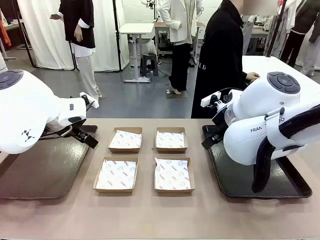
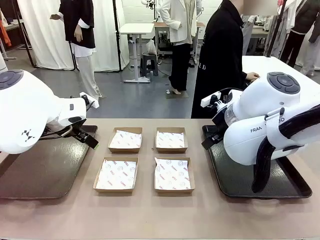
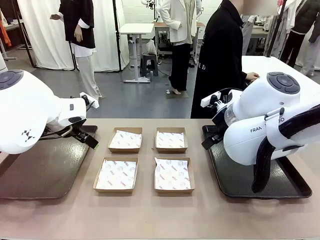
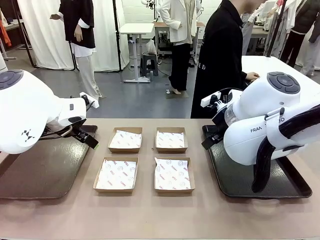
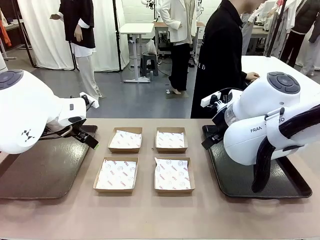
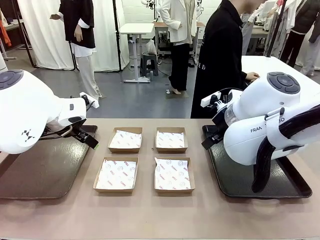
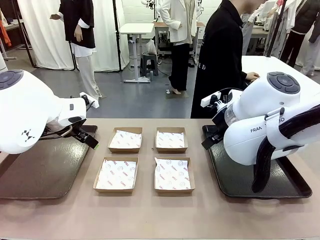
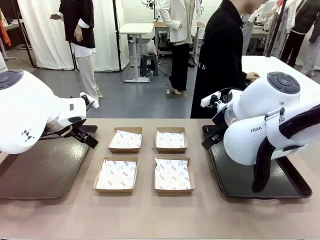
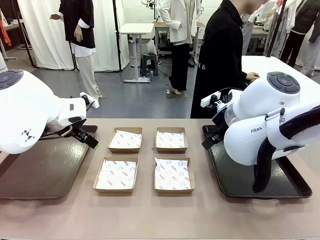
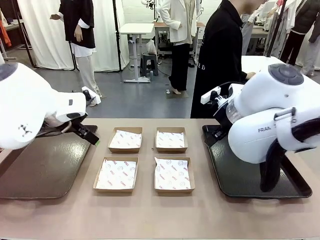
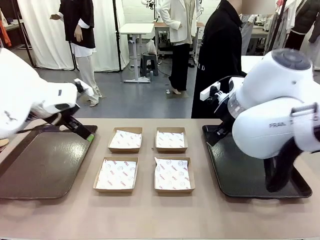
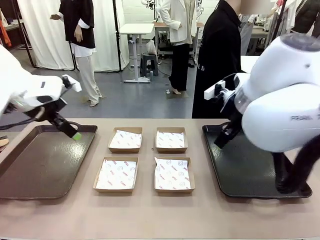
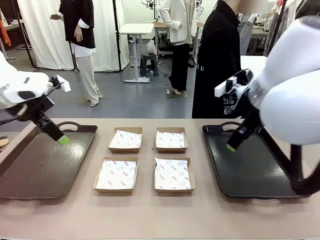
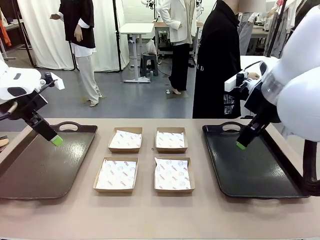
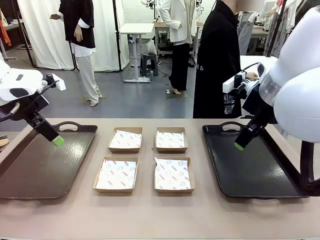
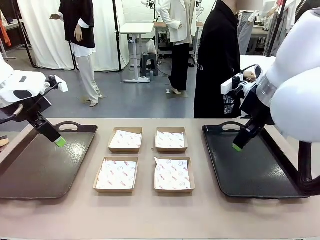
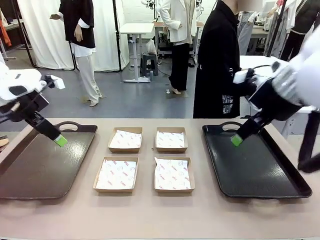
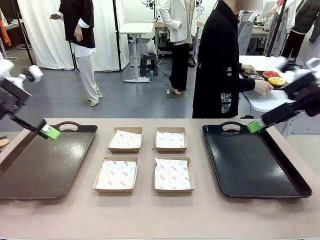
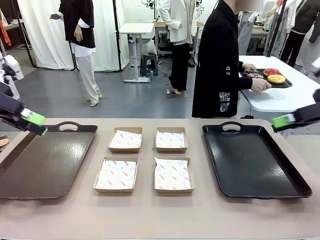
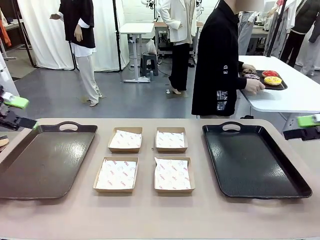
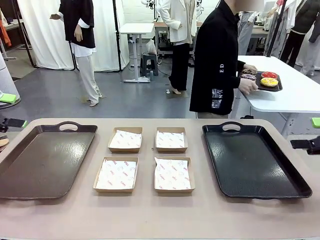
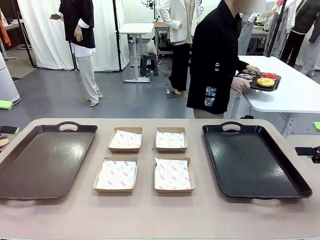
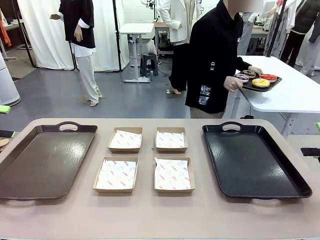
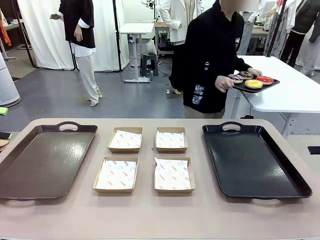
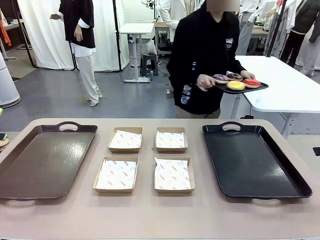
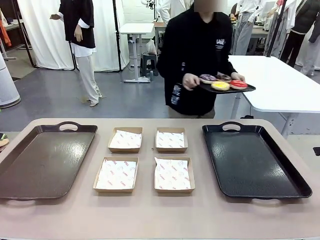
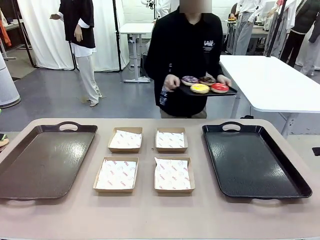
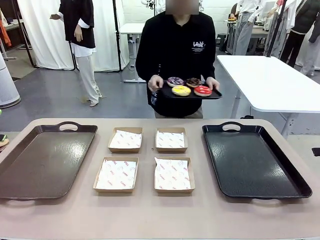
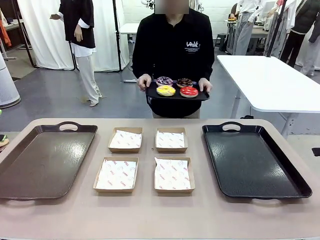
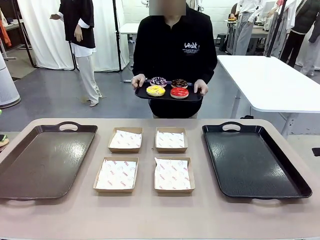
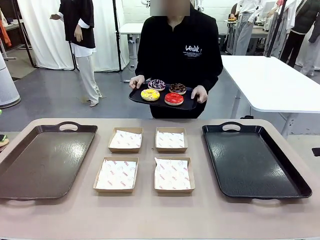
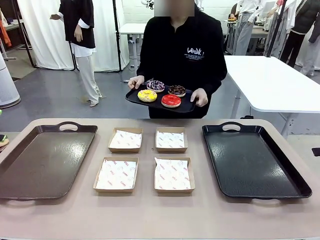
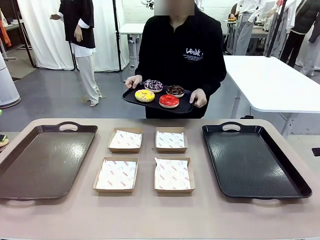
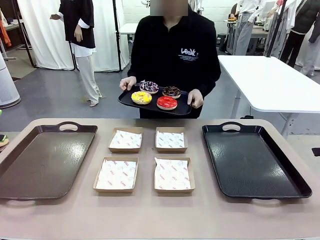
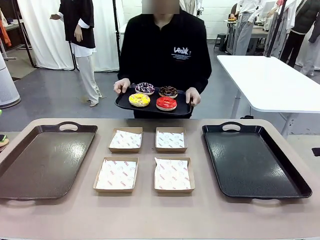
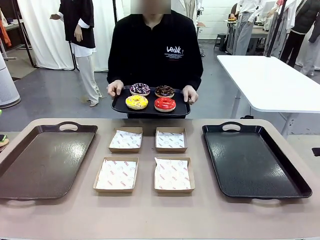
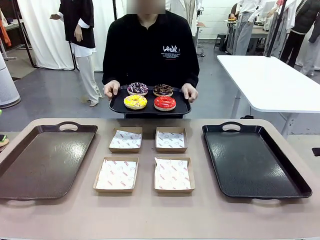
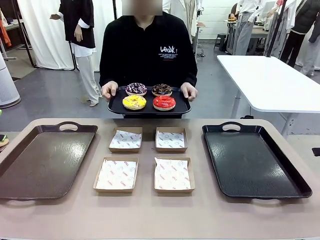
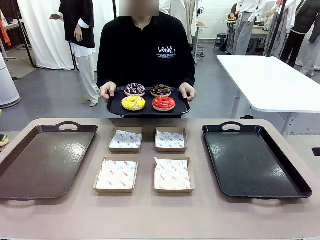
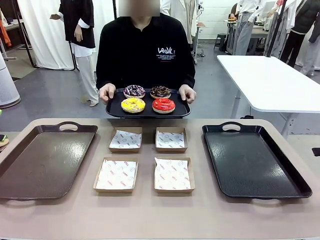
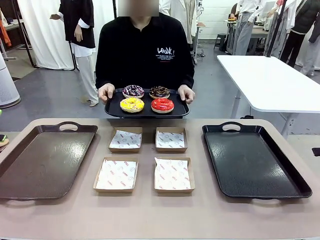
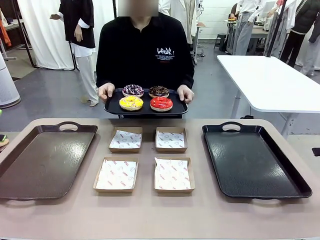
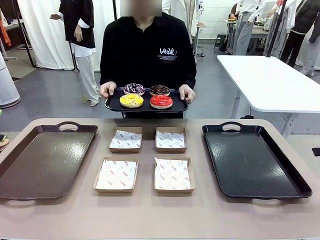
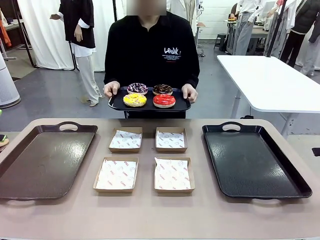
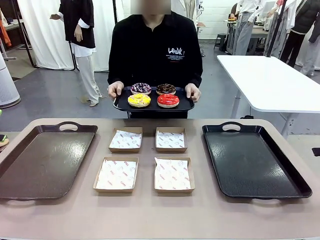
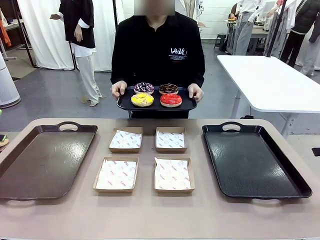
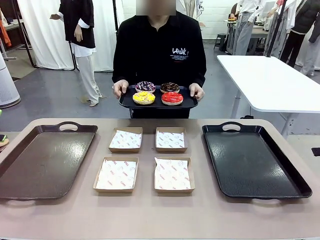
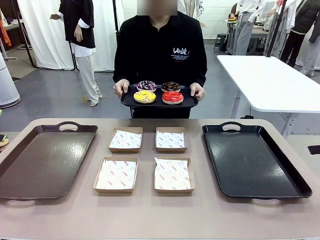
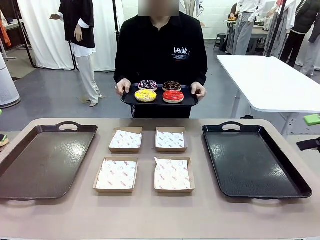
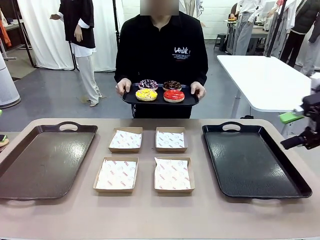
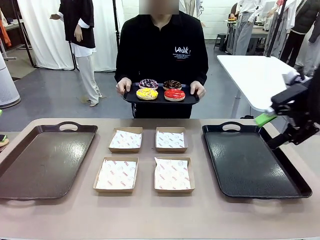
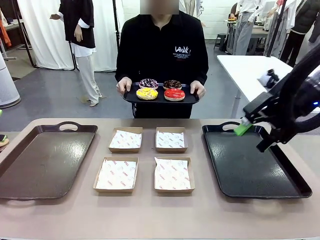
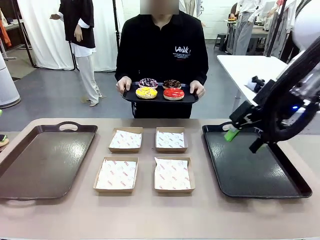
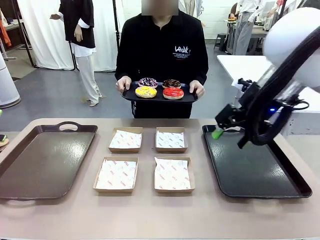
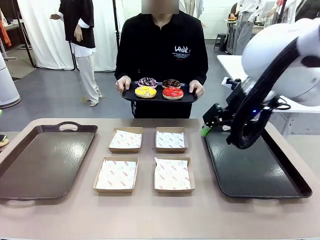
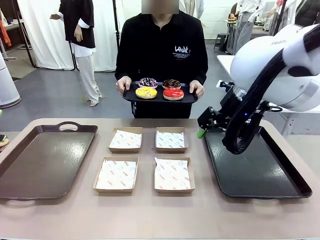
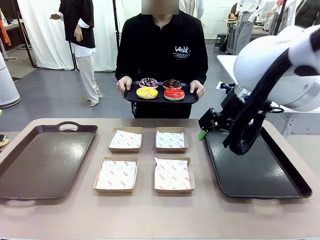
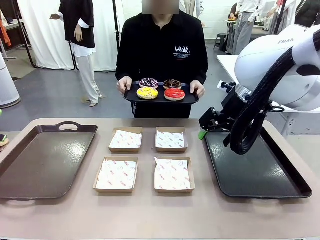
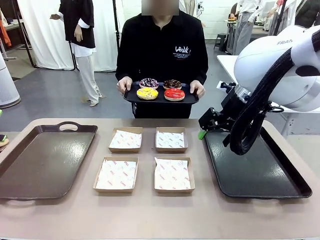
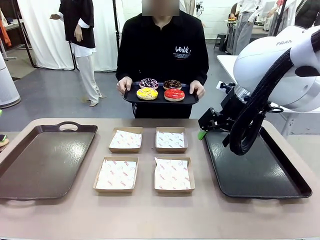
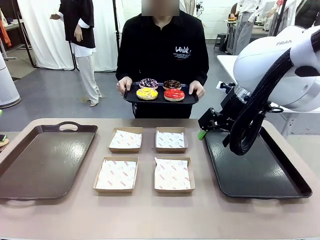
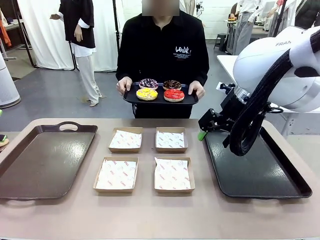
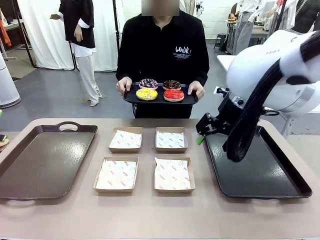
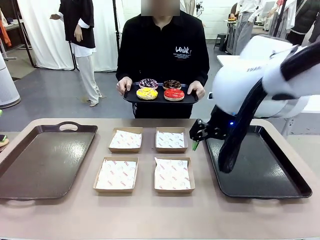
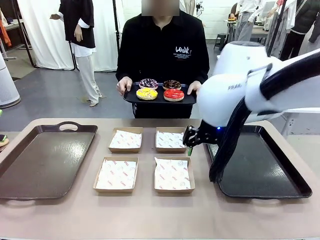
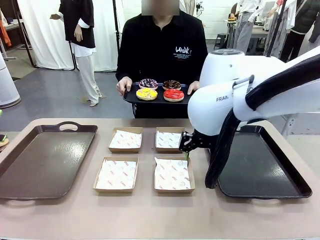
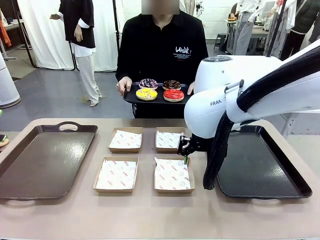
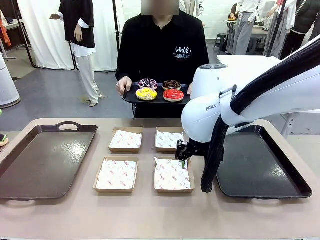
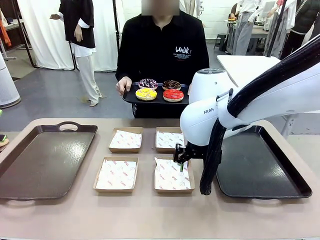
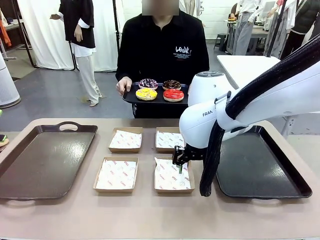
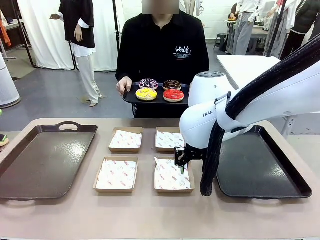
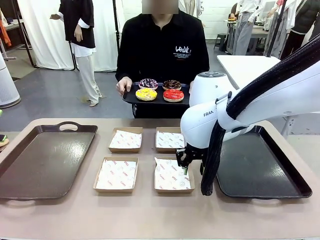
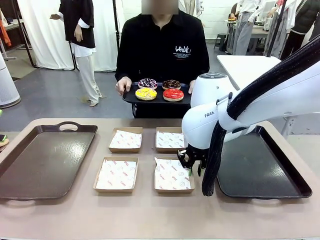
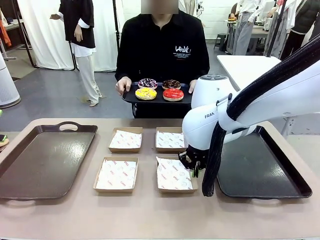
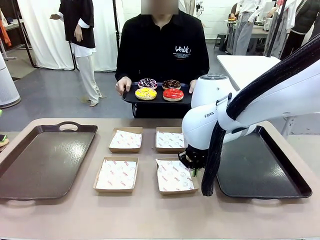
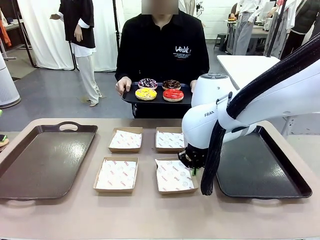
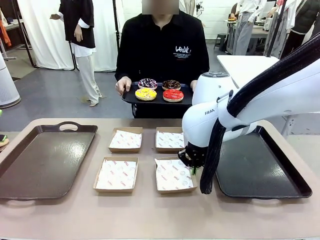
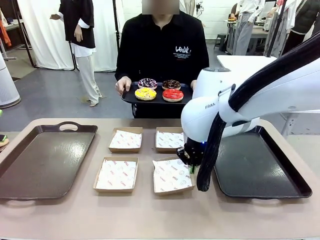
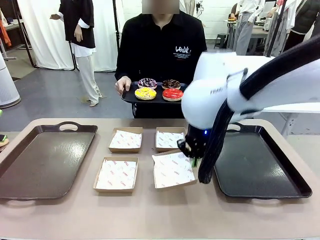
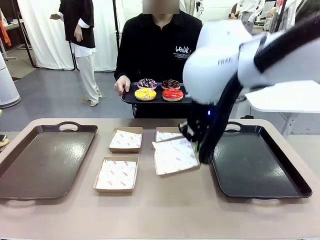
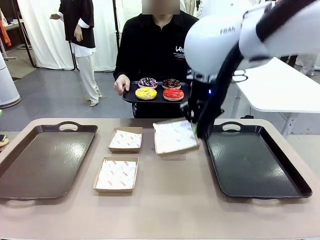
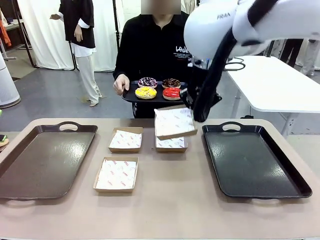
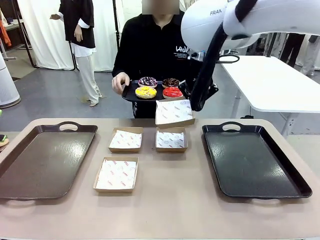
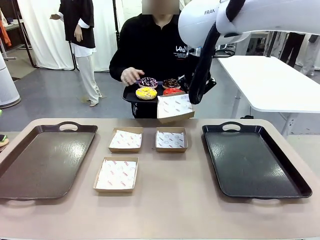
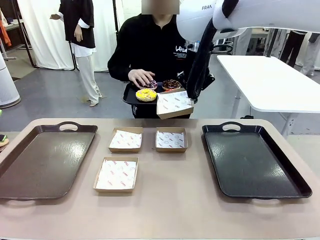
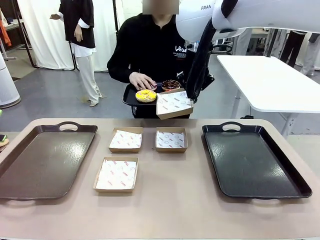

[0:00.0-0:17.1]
Task: Individually package the donuts and arrange them on the tray.
Robot: Pick up one Paper togo box.
Person: Stand in front of the robot table holding the tray containing the donuts.
